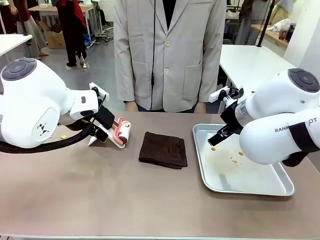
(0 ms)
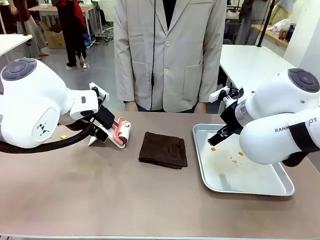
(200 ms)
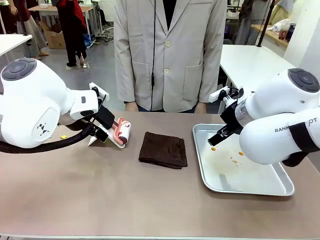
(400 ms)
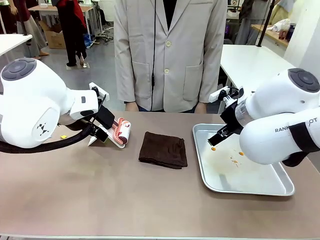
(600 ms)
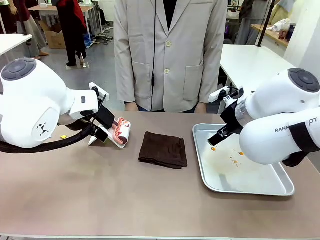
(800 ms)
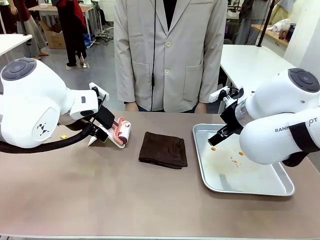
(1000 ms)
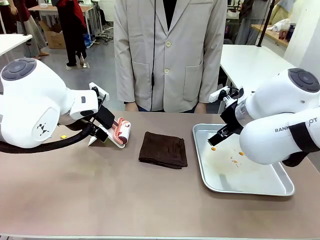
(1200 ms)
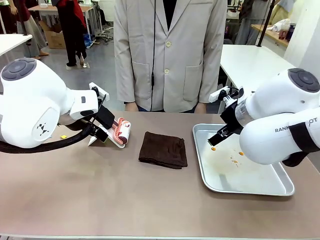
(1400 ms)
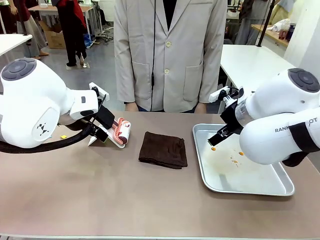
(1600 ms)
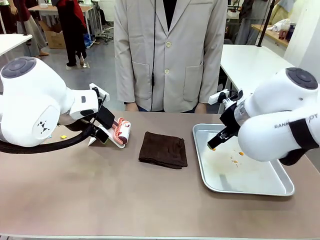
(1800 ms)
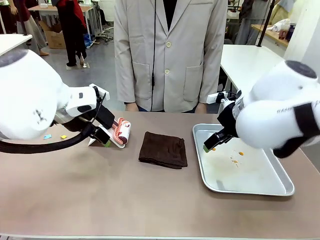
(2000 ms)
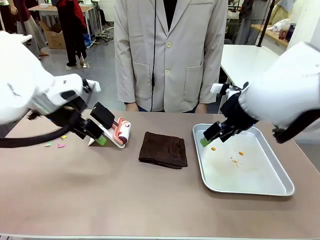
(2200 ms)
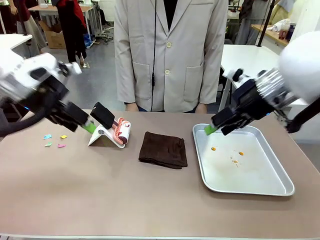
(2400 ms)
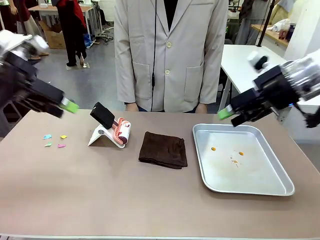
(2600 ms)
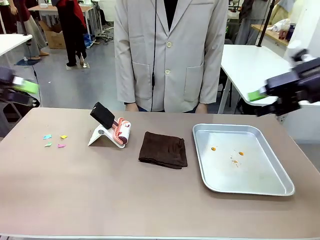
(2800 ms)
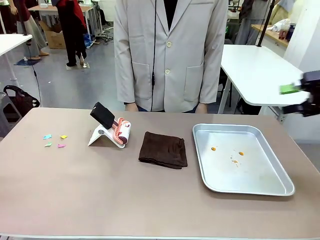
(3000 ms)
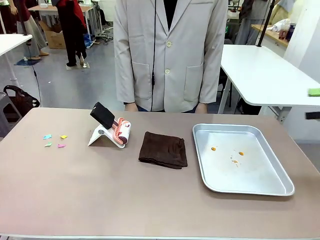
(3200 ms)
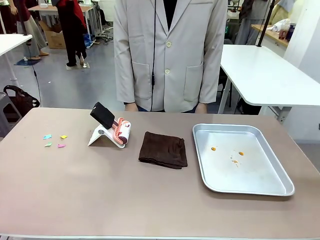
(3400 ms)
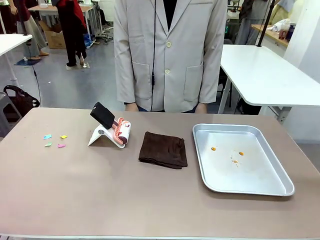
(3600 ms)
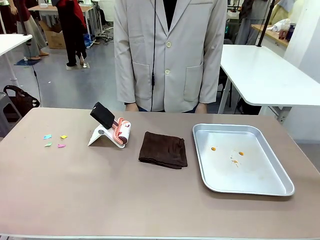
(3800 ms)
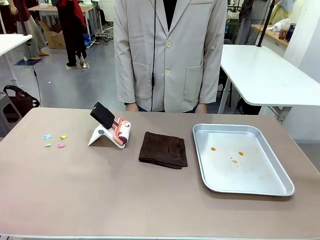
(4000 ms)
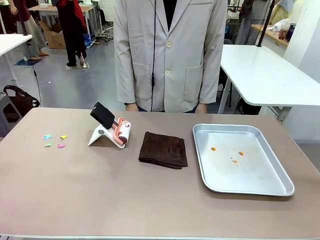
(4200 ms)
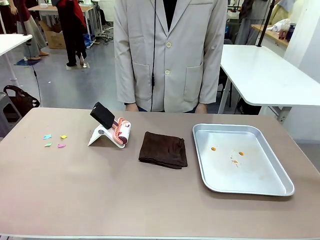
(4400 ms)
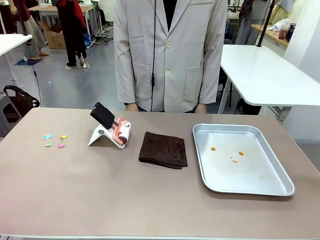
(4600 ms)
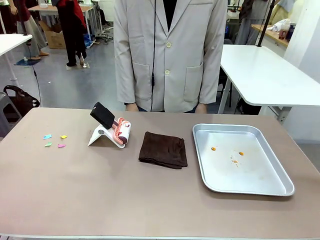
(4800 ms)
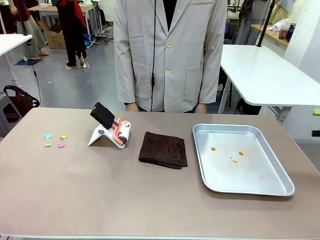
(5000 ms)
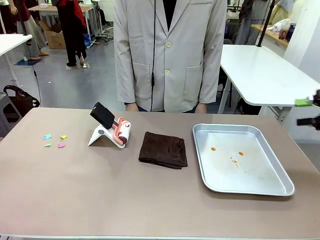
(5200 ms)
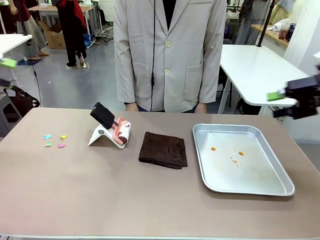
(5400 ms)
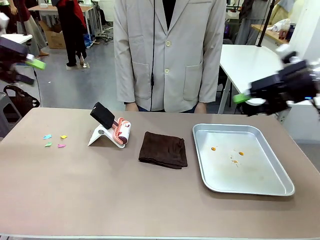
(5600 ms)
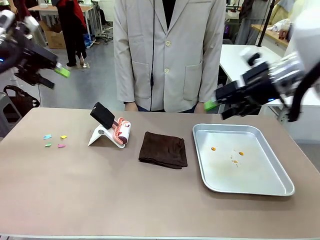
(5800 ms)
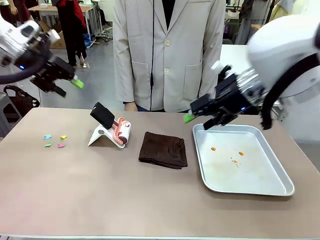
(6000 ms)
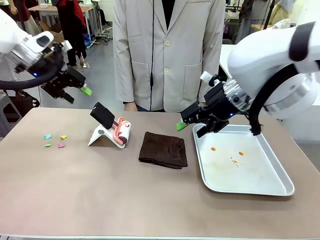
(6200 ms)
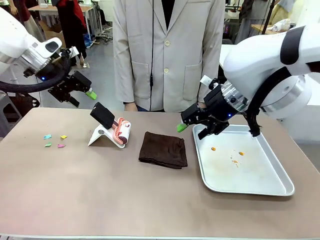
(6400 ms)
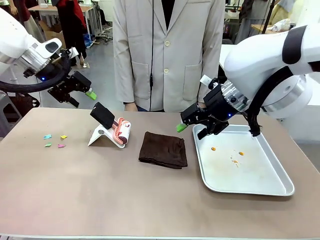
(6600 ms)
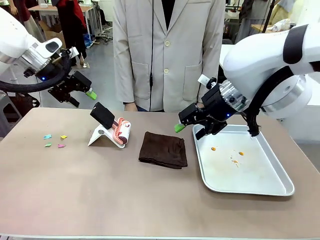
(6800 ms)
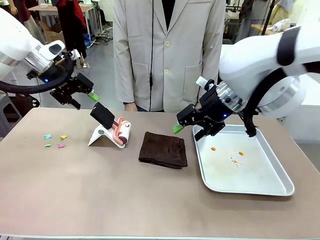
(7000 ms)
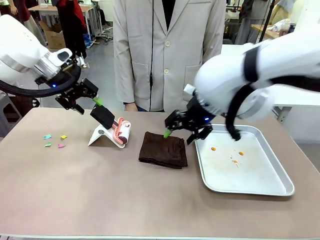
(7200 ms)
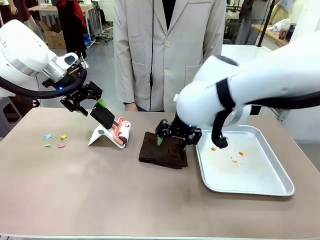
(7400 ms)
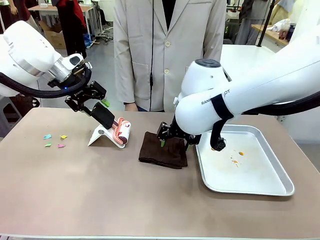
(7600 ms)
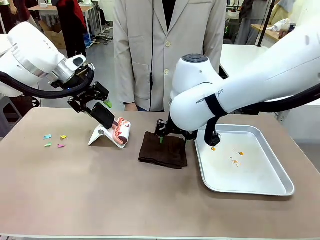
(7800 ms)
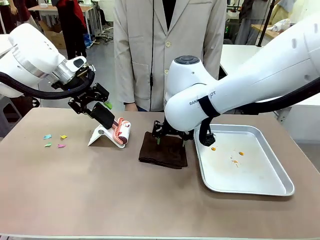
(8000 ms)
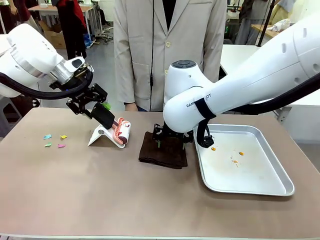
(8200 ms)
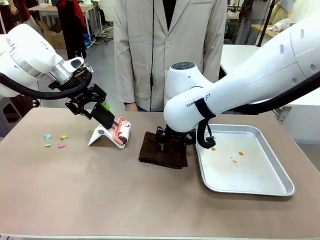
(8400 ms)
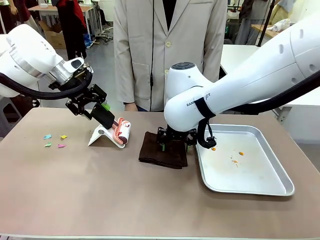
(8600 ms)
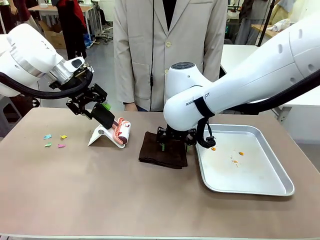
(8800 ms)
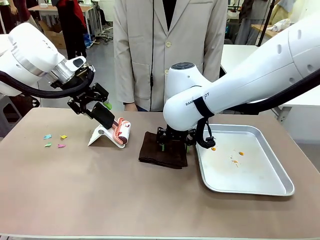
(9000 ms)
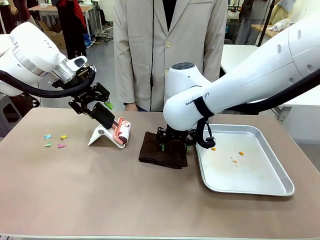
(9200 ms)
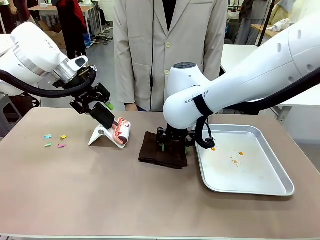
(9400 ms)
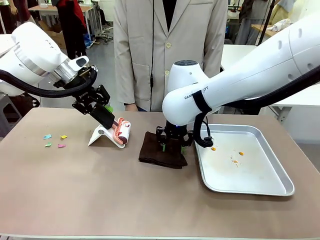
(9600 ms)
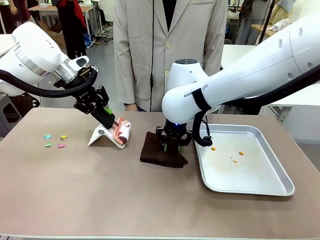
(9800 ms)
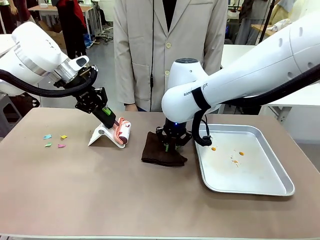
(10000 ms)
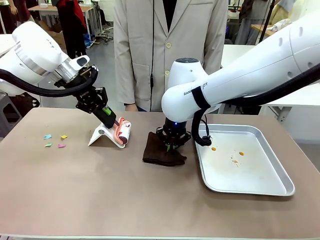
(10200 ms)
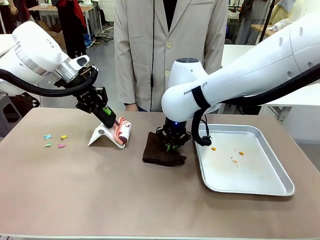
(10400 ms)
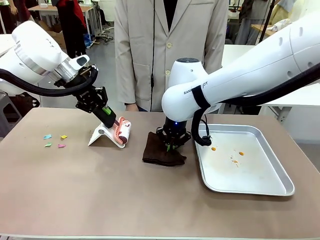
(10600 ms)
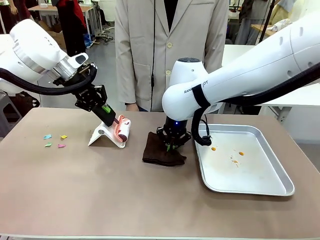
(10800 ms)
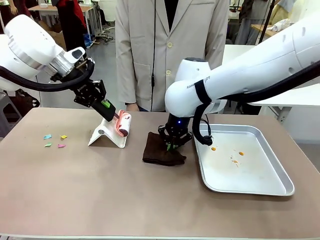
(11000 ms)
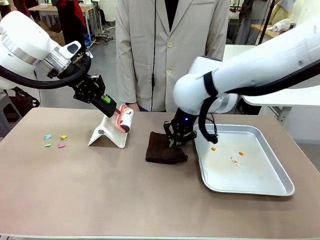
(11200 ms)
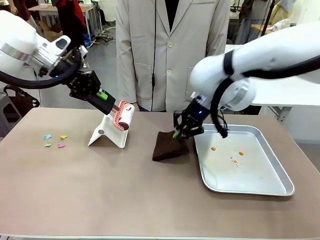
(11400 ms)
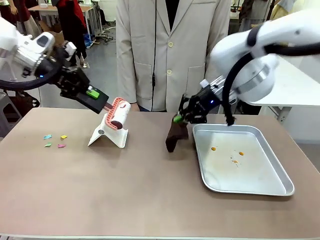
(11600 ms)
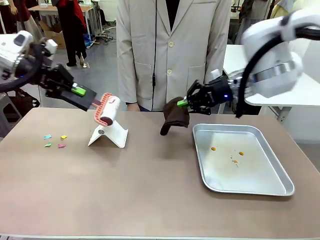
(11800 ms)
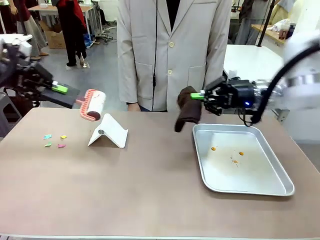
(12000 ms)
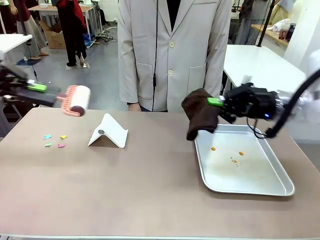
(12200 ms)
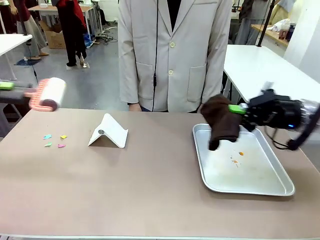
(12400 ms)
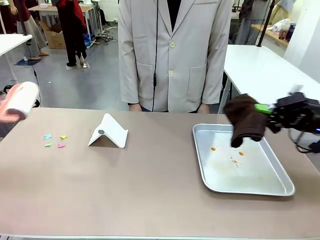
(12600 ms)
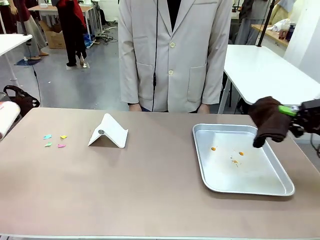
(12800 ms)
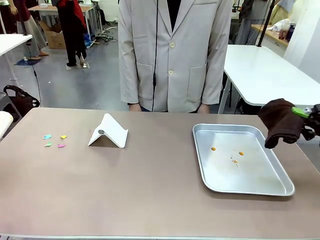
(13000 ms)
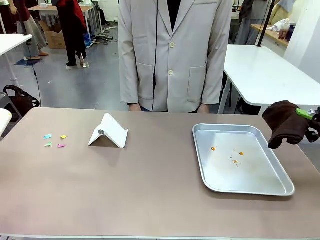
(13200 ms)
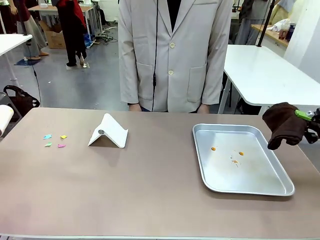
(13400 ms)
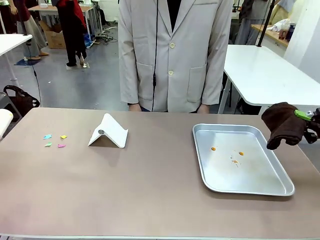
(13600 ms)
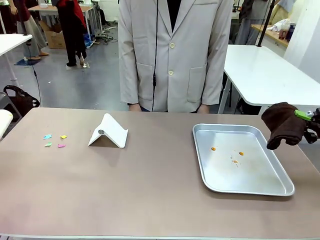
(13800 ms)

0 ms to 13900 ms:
Task: Clean the surface of the table.
Robot: Hold the Lint Roller with your left hand and the towel with your right hand.

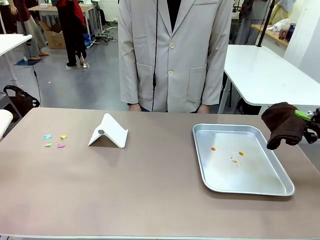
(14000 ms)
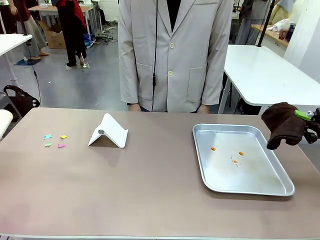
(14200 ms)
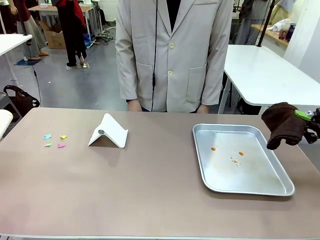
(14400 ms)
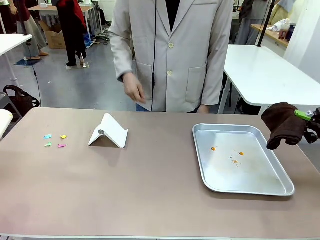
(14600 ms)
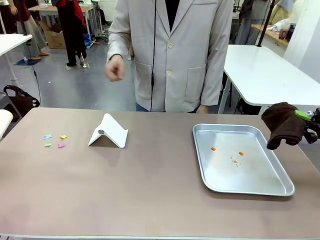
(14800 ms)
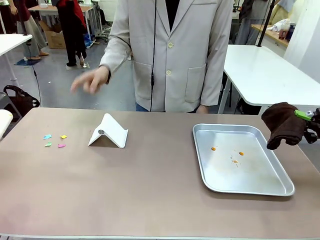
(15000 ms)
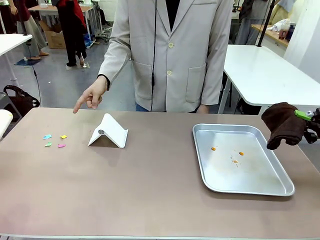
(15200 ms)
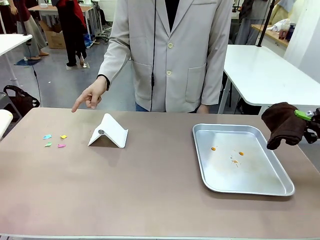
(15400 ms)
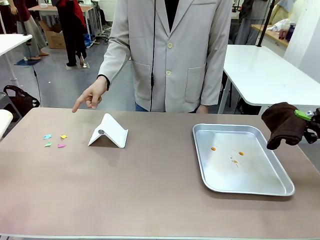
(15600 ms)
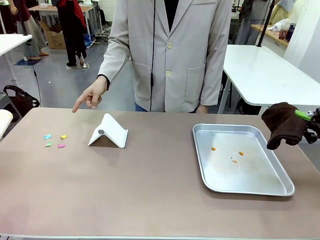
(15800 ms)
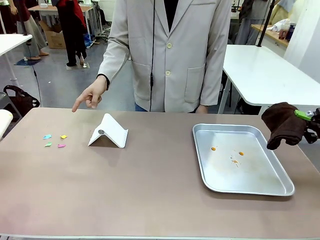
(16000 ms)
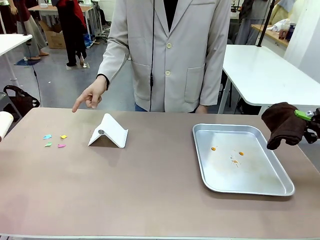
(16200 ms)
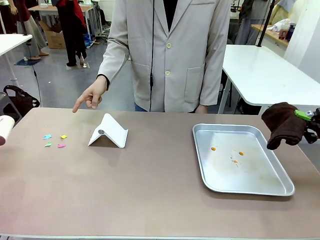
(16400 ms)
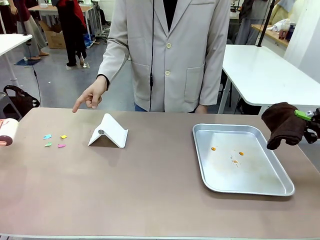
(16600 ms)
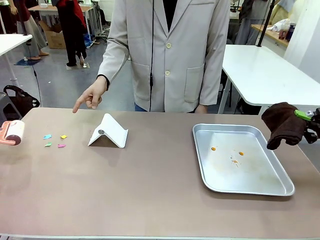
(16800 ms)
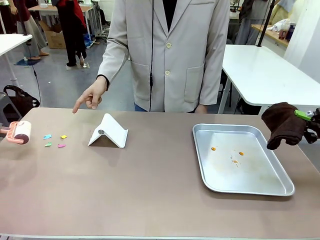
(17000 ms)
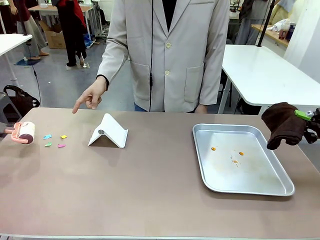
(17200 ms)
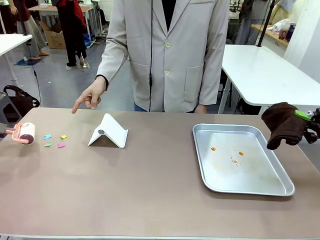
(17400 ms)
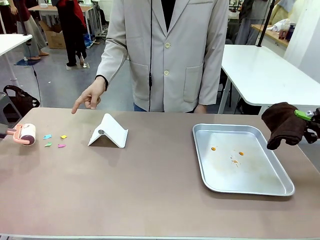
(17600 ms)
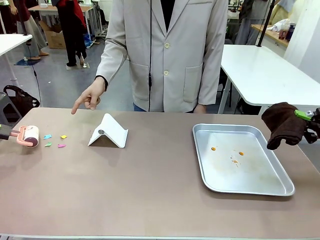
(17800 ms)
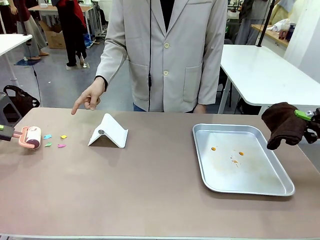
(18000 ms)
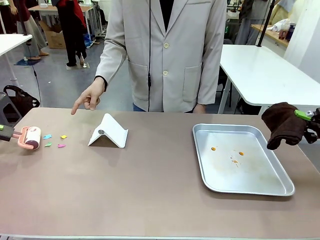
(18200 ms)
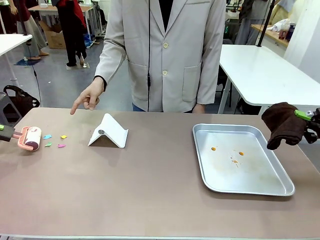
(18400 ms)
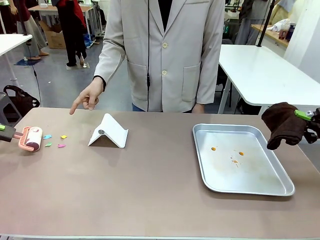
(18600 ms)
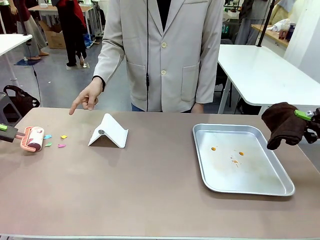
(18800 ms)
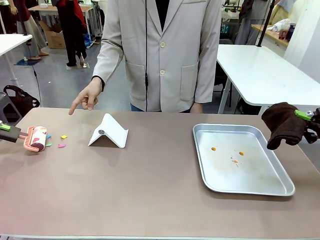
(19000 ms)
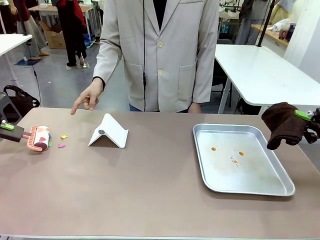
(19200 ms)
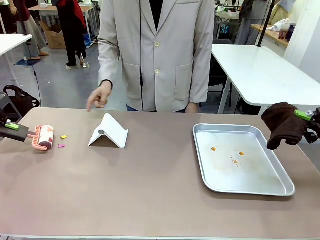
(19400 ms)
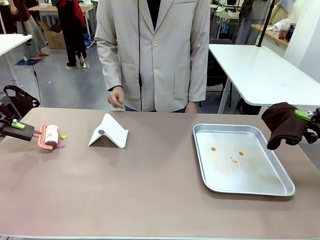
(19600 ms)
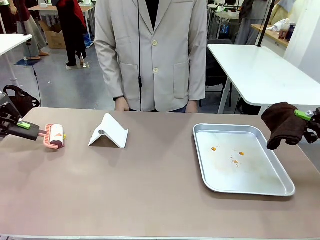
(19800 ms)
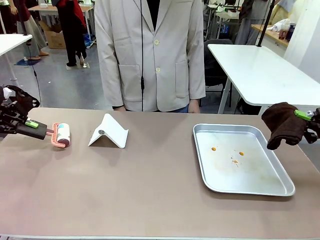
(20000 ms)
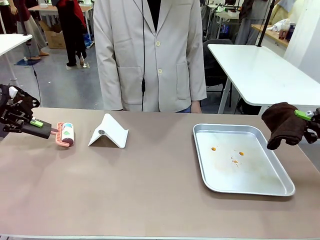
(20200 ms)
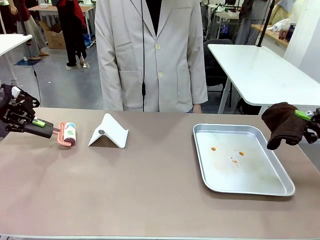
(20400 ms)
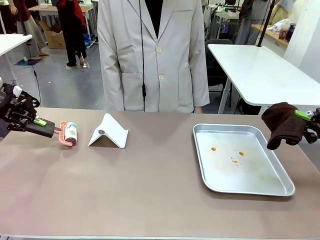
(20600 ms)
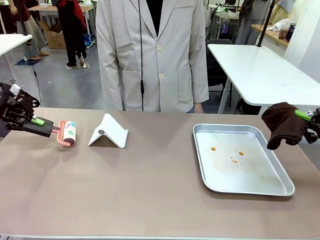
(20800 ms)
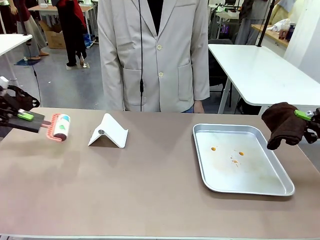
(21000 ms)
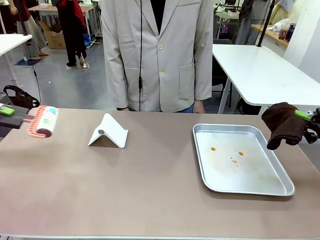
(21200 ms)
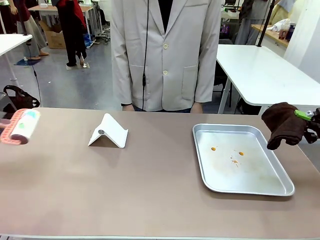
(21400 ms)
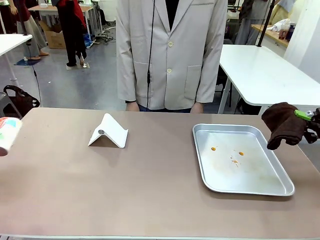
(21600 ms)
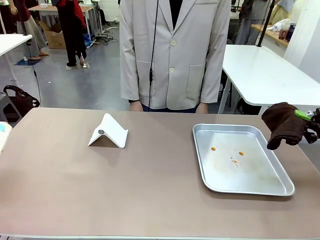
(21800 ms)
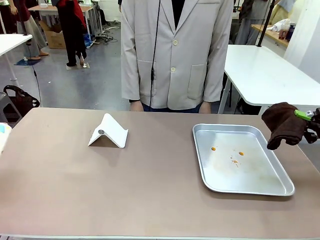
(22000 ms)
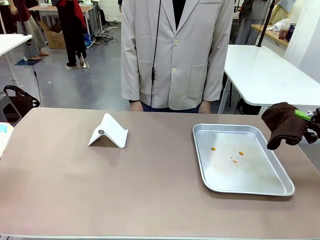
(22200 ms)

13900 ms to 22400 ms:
Robot: If a person points to the right, clean the right side of the table with your right hand, and if they point to the left, clean the left side with your left hand.
